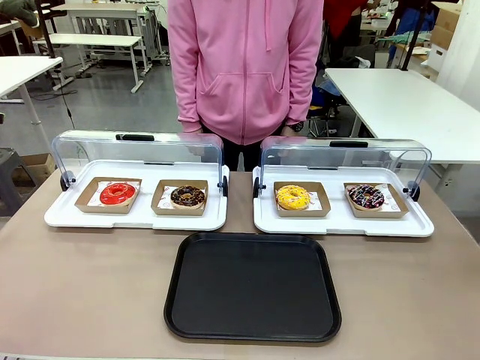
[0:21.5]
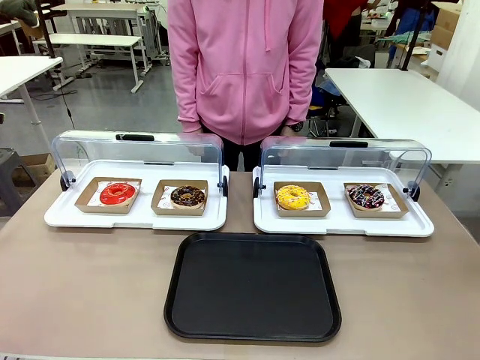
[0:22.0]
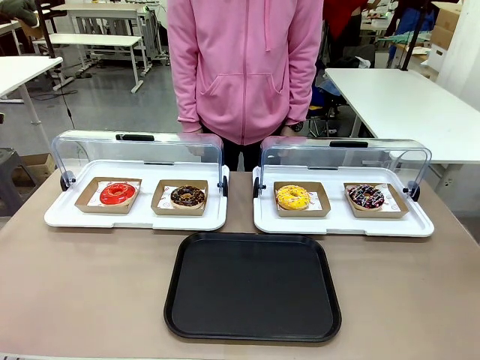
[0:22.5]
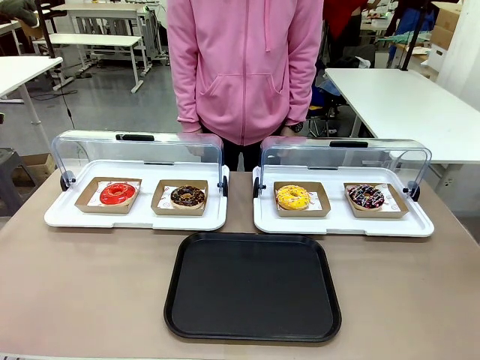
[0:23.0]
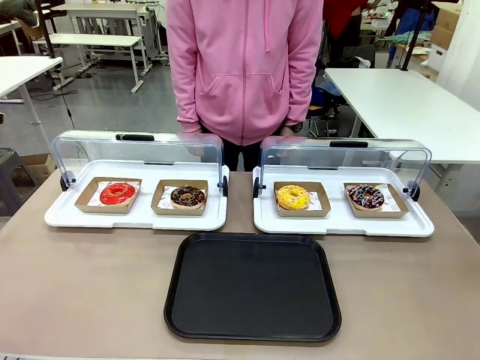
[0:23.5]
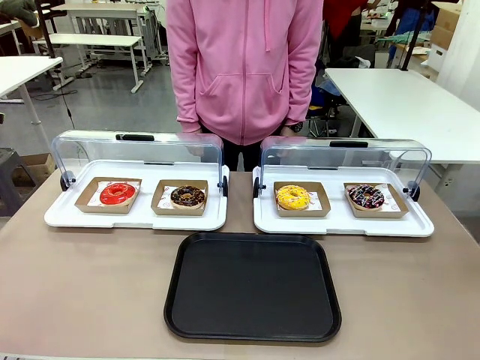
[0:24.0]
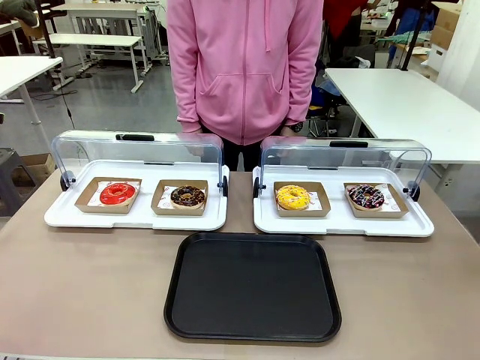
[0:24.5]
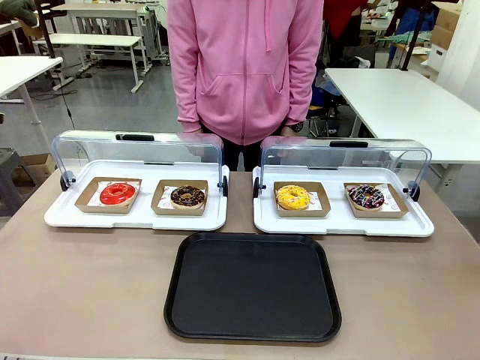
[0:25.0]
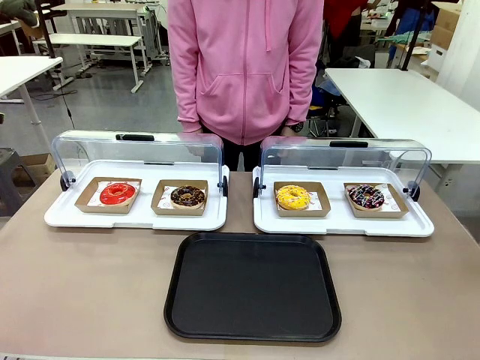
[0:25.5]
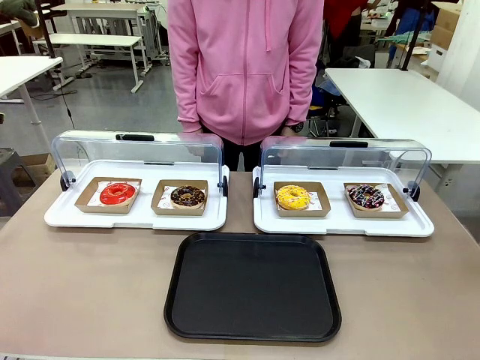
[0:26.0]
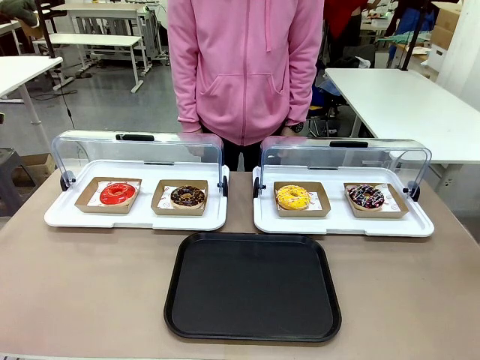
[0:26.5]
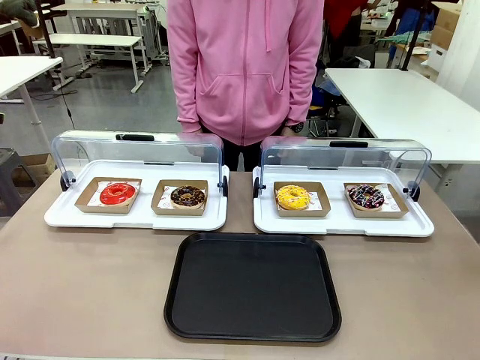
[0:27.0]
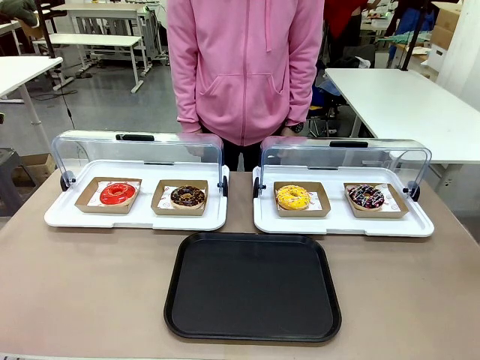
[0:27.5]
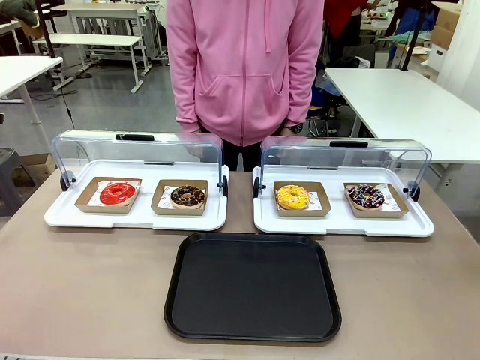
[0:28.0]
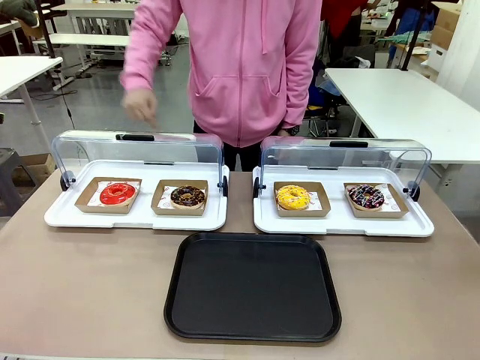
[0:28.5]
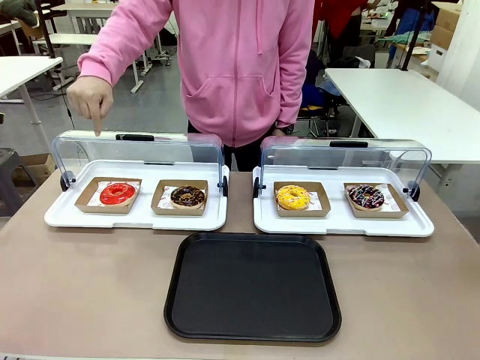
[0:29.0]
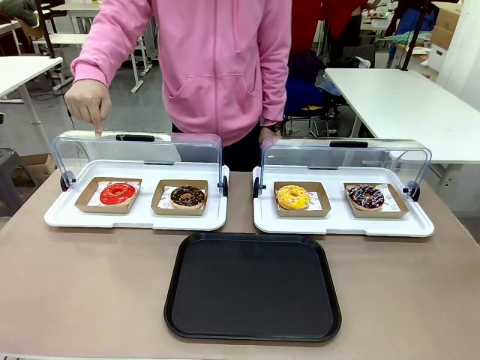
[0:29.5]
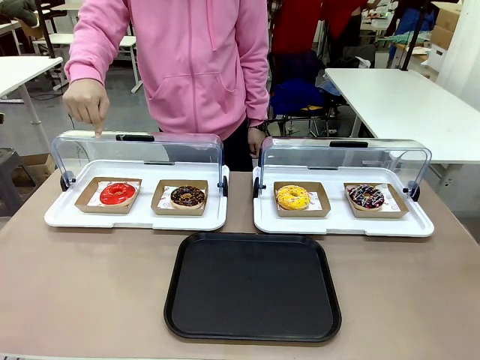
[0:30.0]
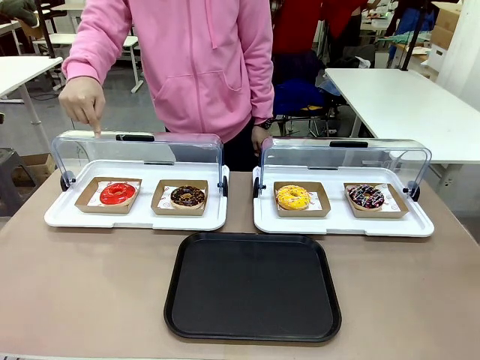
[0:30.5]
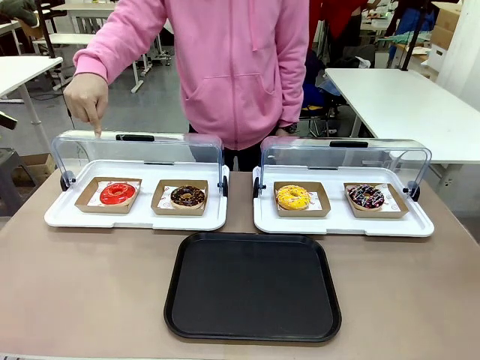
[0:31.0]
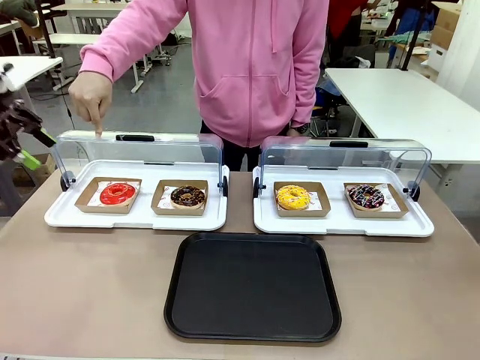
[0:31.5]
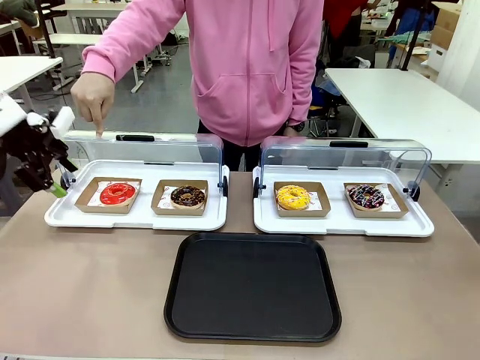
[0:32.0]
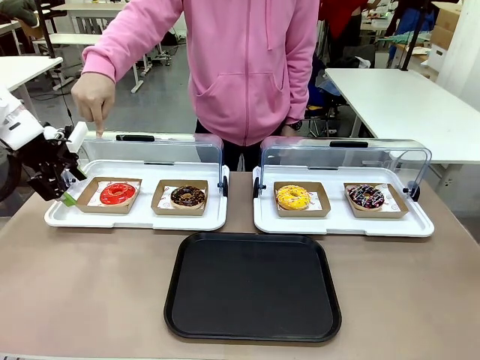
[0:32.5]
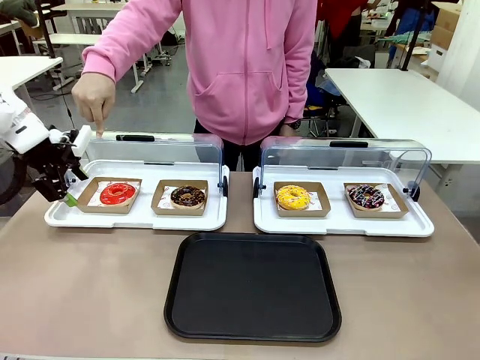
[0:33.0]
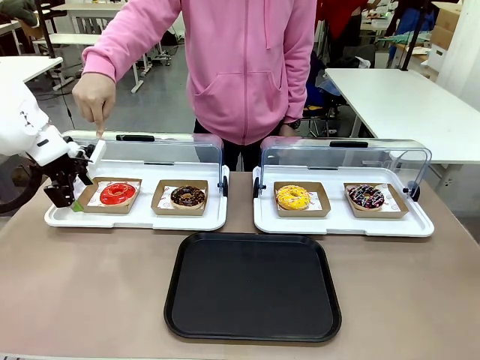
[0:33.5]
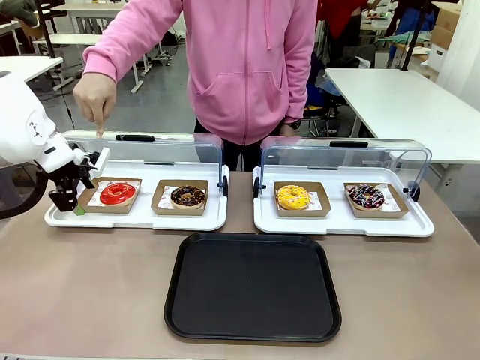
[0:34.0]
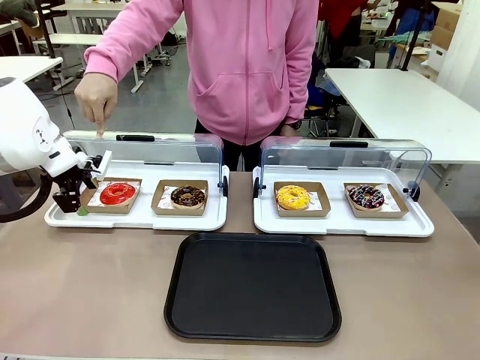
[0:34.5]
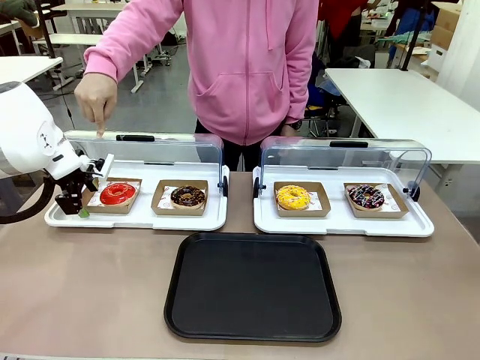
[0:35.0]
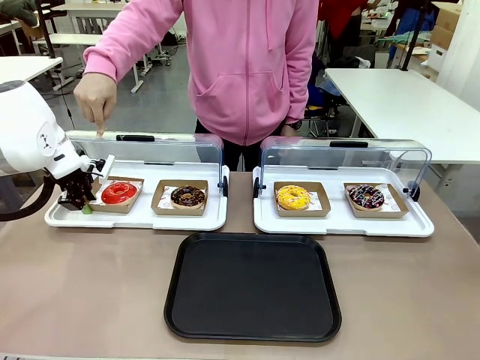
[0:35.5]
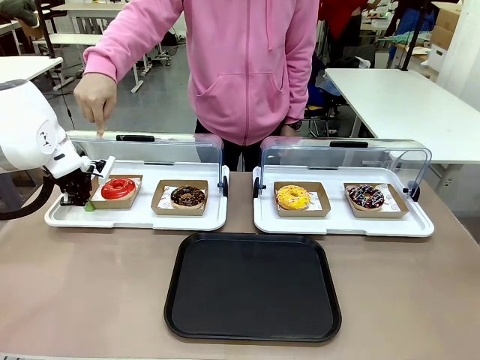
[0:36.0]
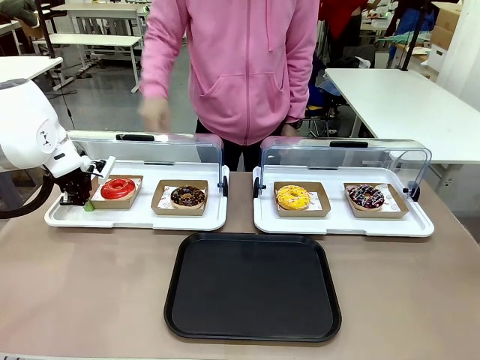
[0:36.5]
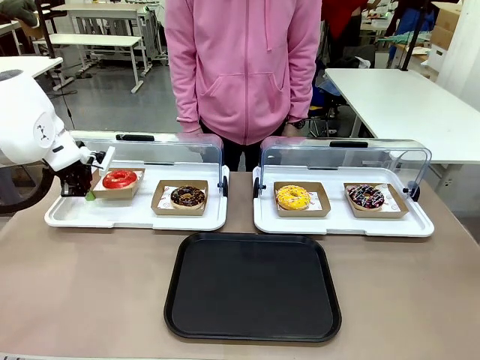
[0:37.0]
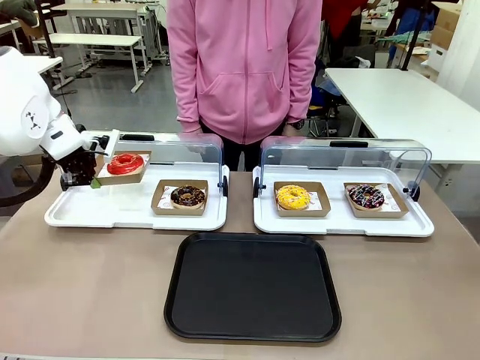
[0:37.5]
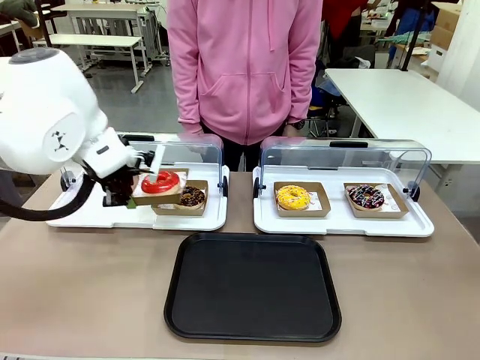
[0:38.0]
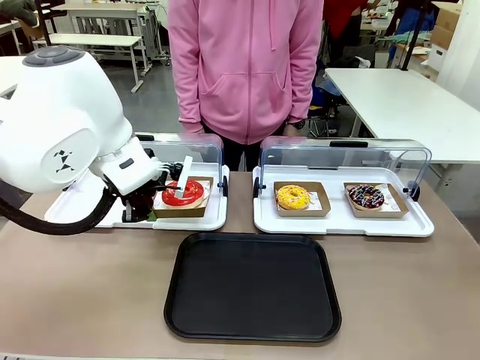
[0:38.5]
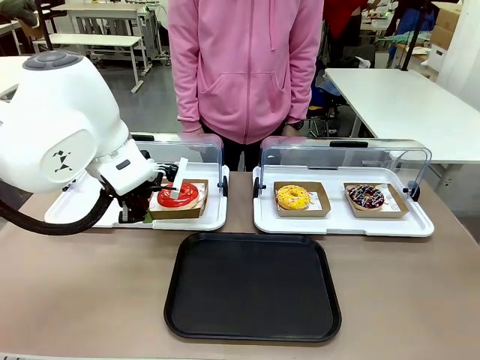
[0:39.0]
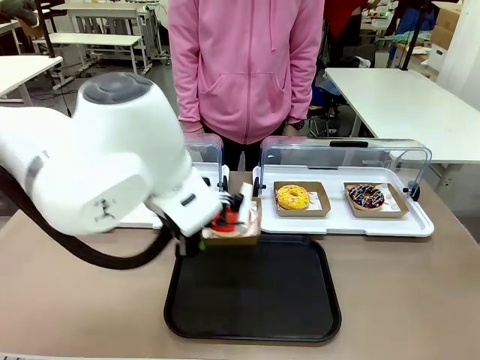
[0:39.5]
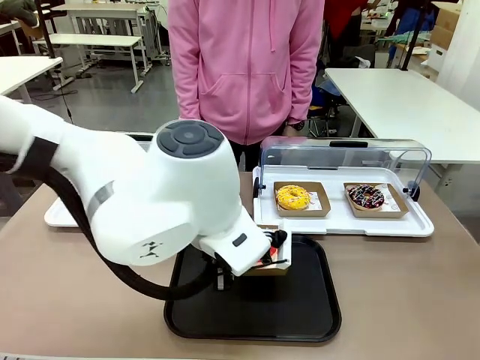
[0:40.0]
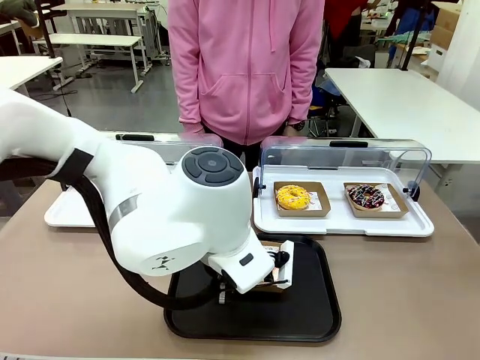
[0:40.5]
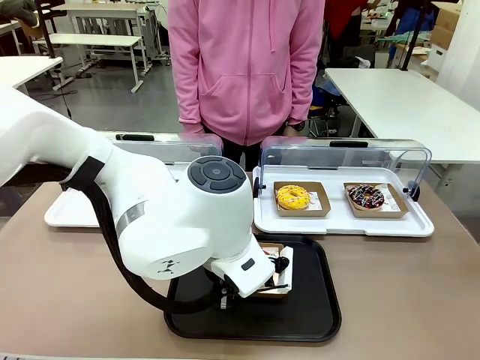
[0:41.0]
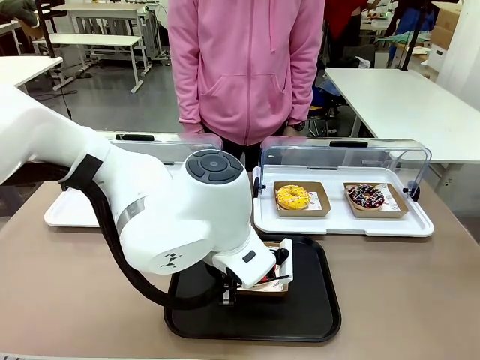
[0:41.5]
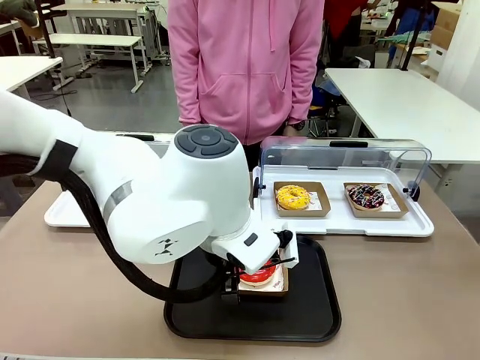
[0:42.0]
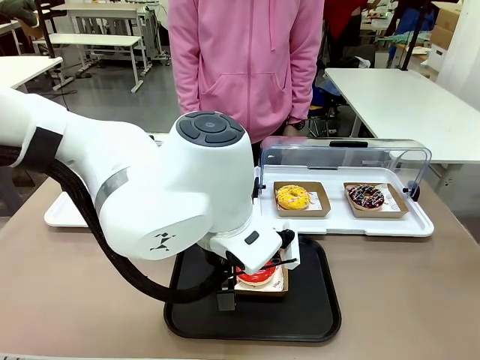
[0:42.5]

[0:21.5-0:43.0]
Task: Move the first donut from the left to the tray.
Robot: Pick up the Paper togo box containing the Donut indicated by the person and place it on the Handle tray.
